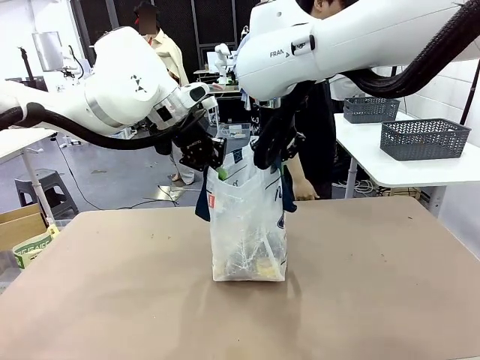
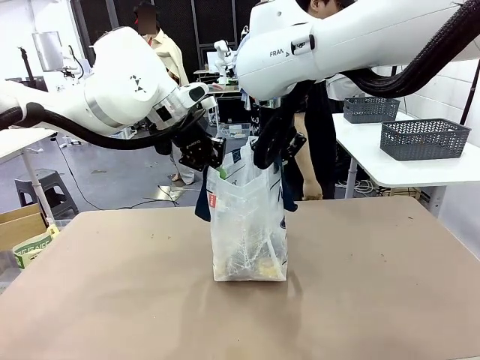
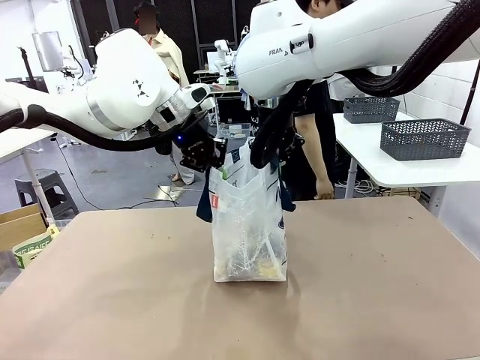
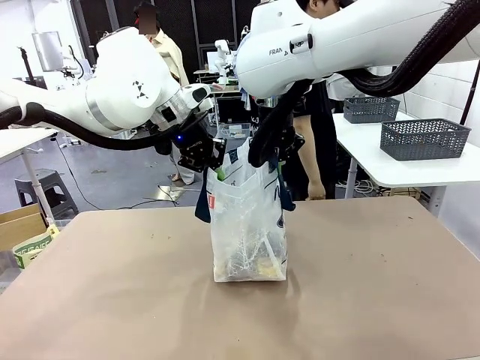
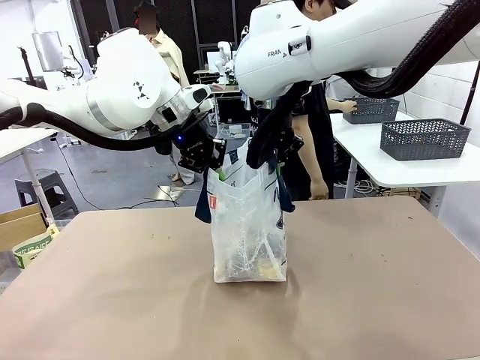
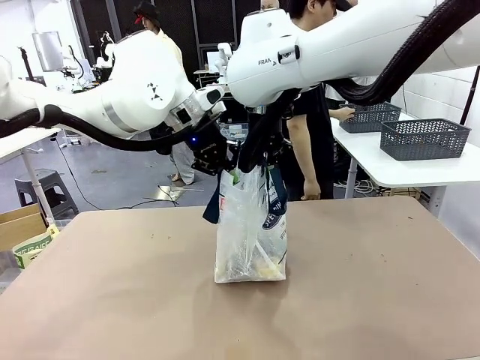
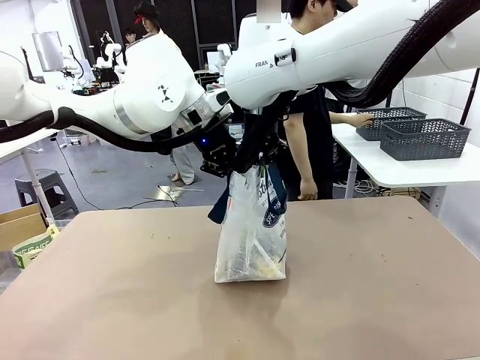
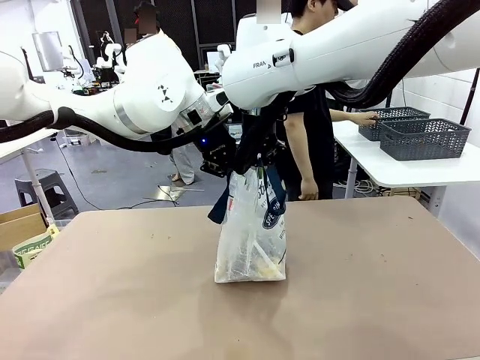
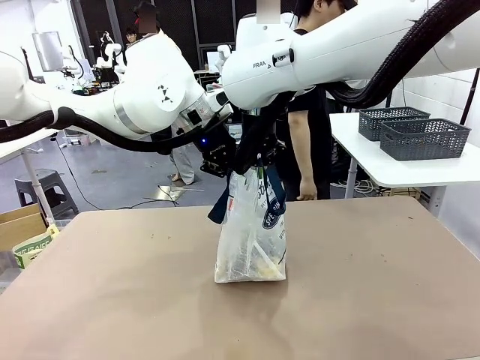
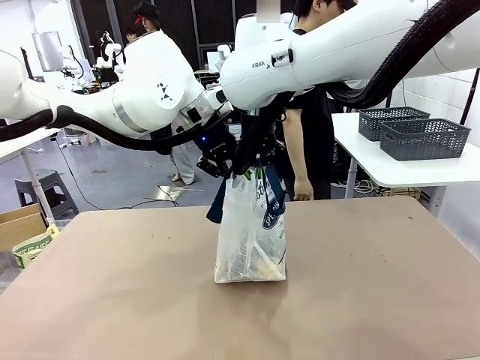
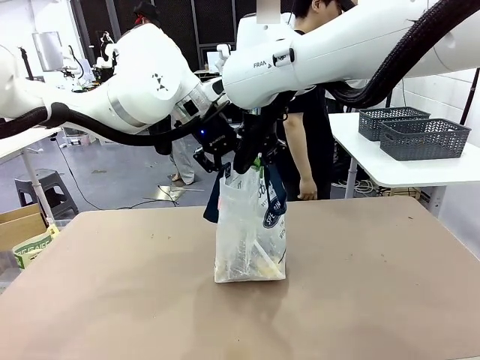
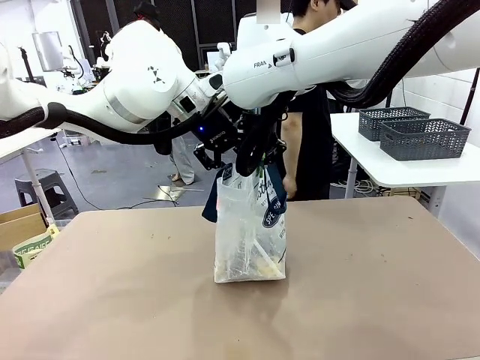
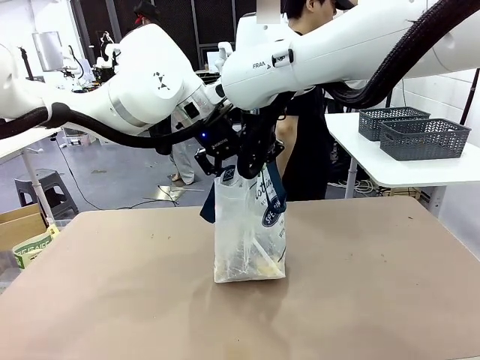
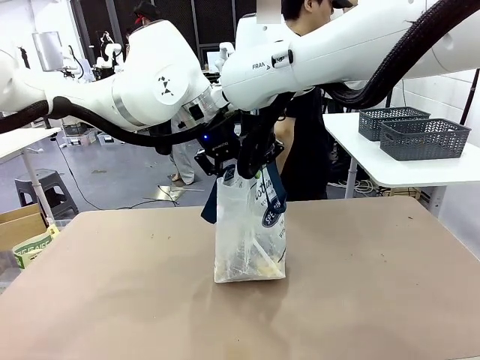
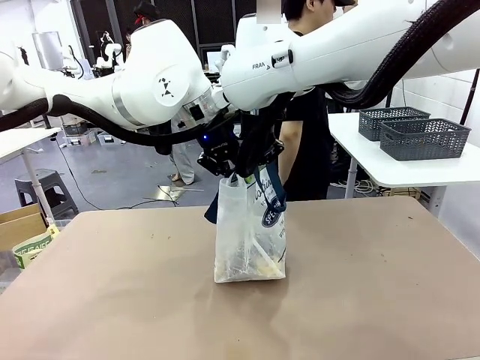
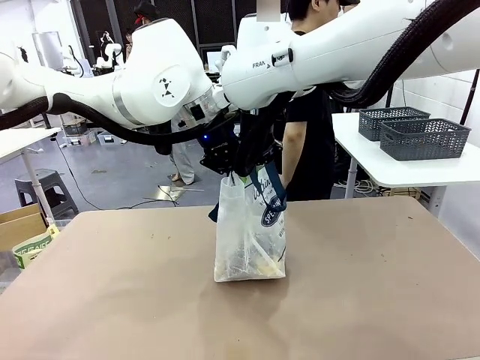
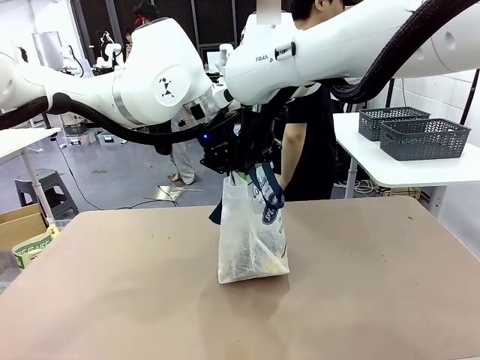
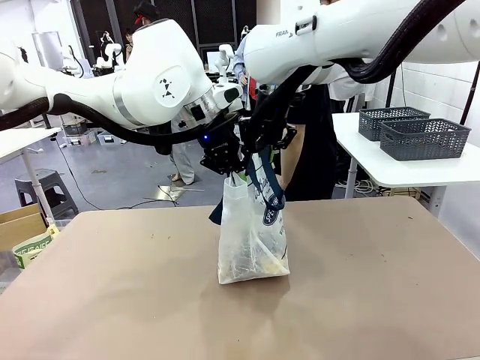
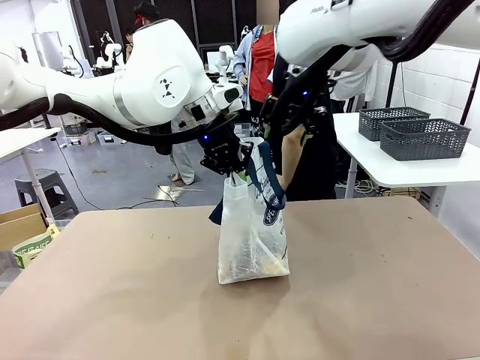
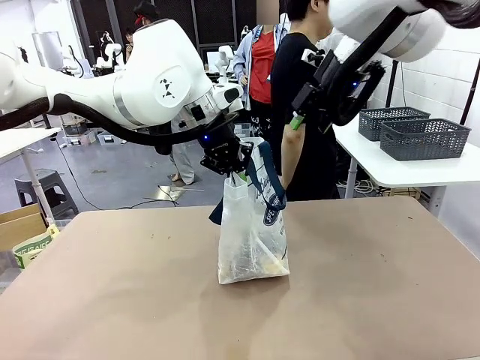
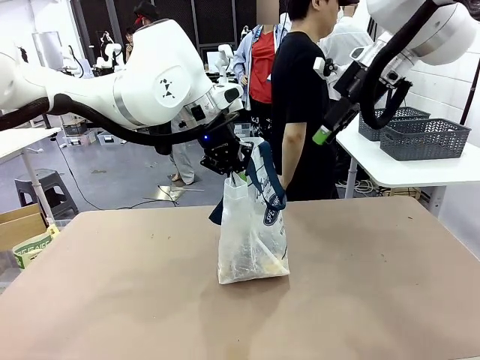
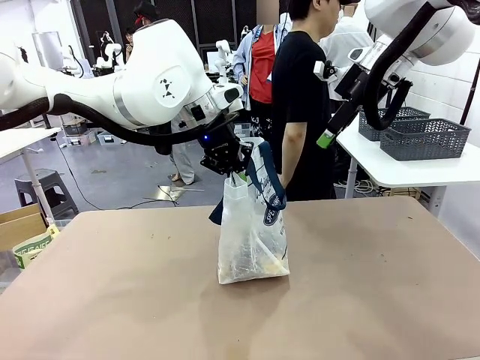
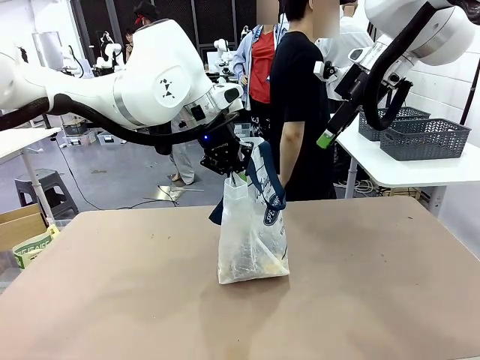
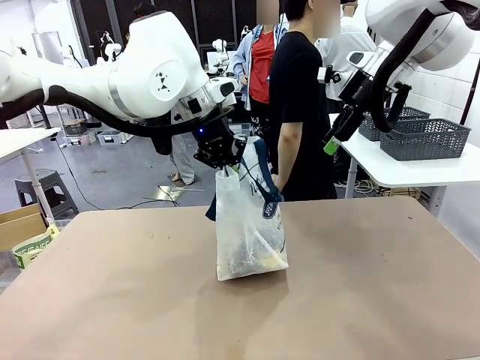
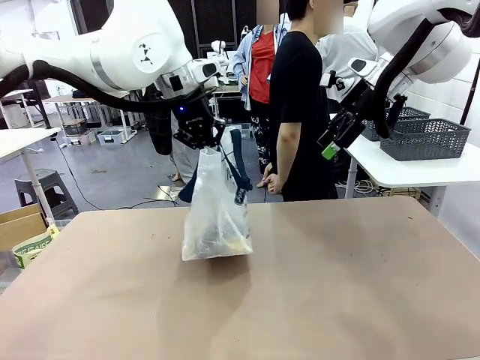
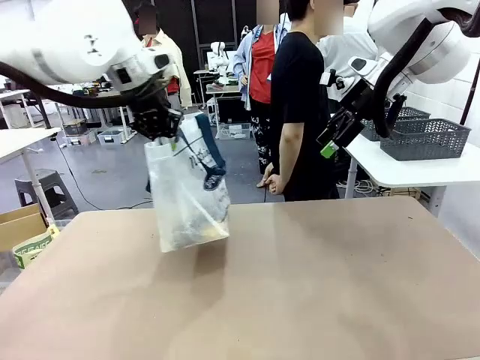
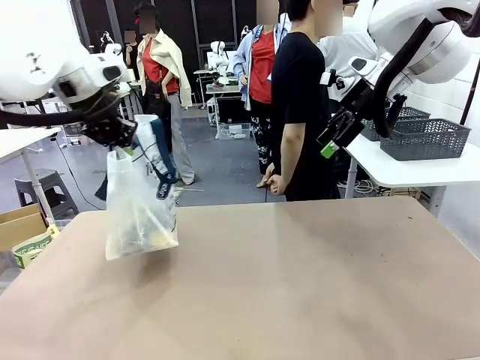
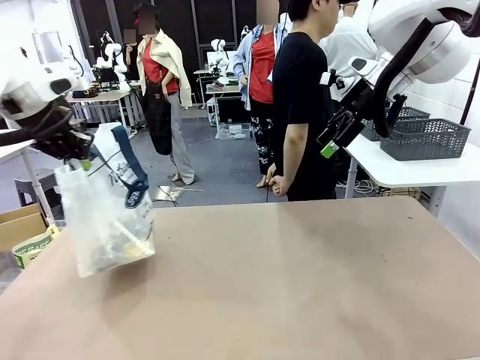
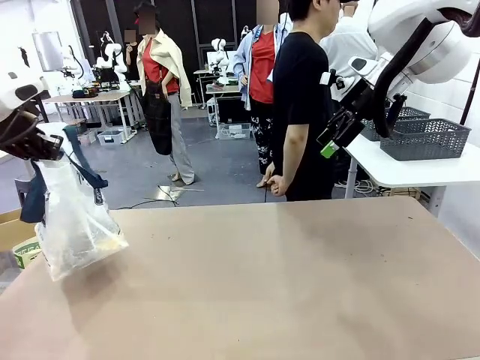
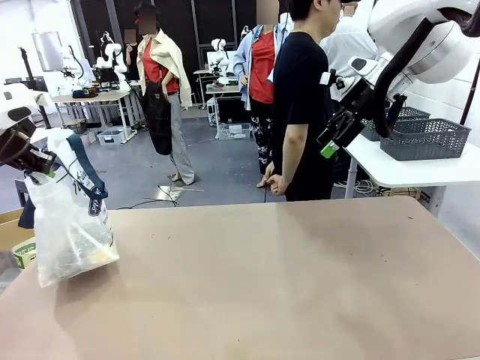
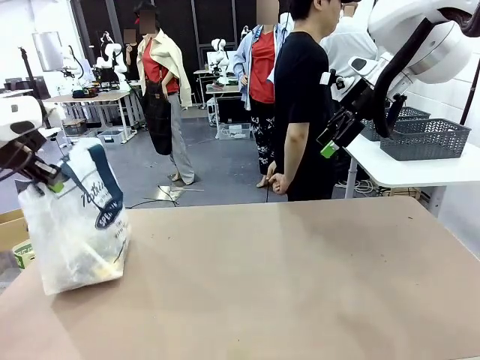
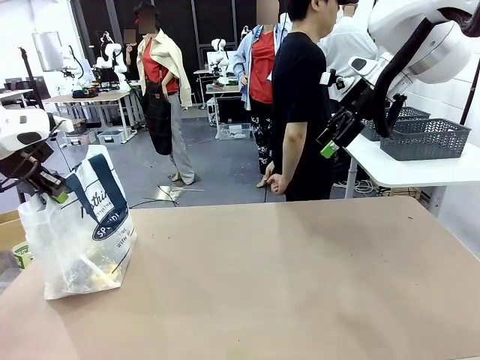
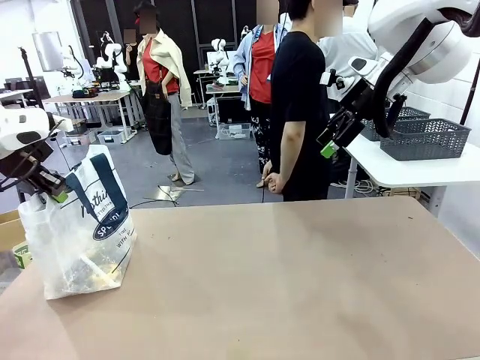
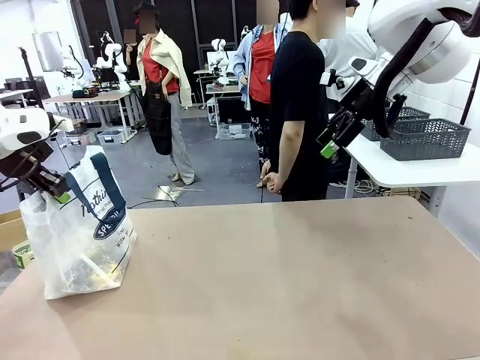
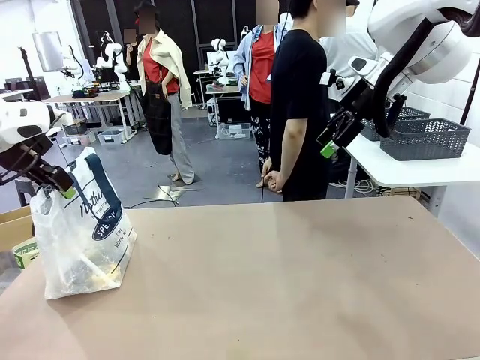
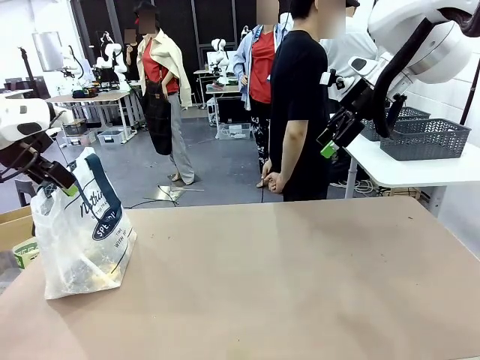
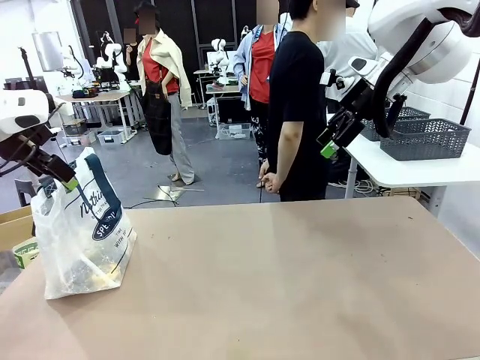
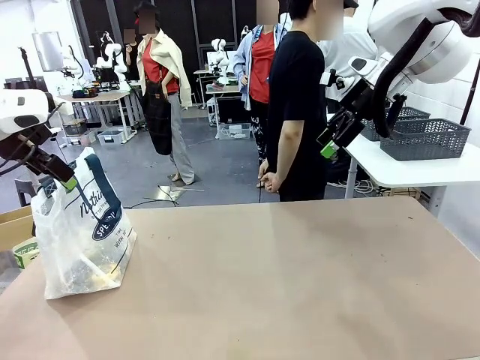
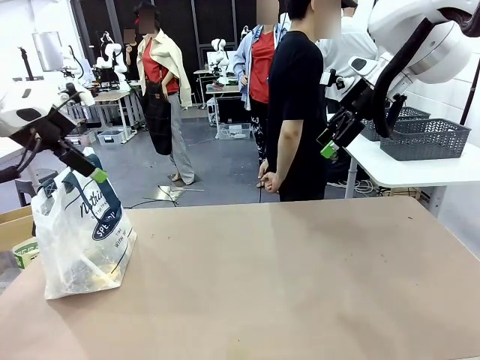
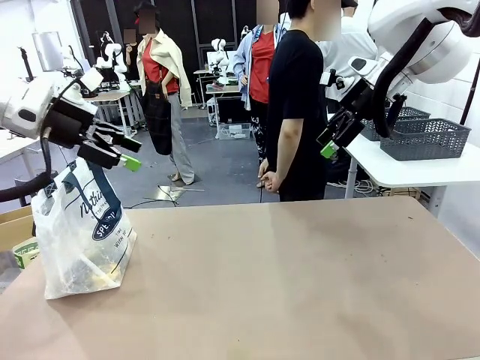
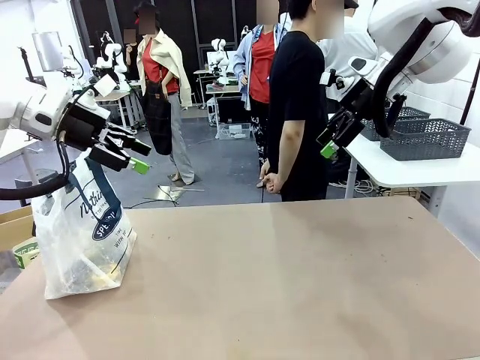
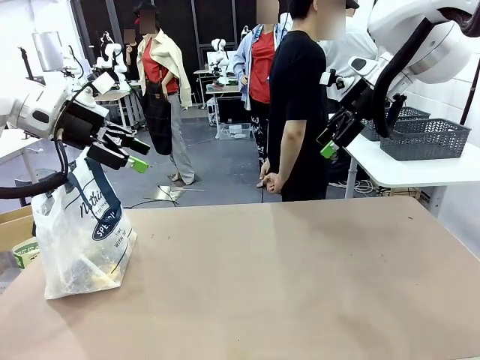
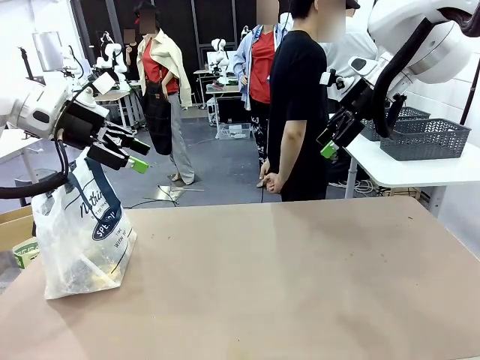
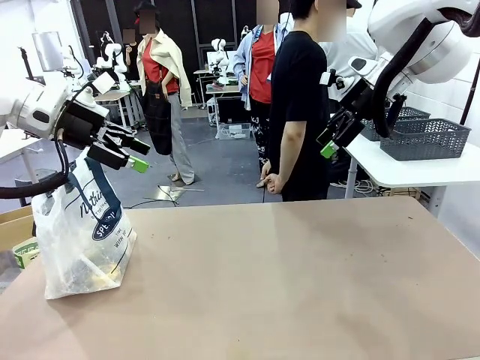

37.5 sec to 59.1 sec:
Task: Transfer purchased items from the store into the shopping bag.
Robot: Move the Reusable shopping bag to the right side of the table.
Person: Move the basket on the left to the middle of the person's table.

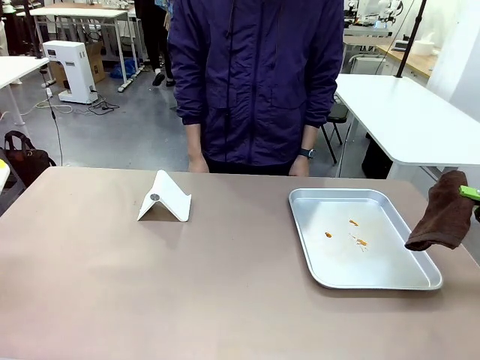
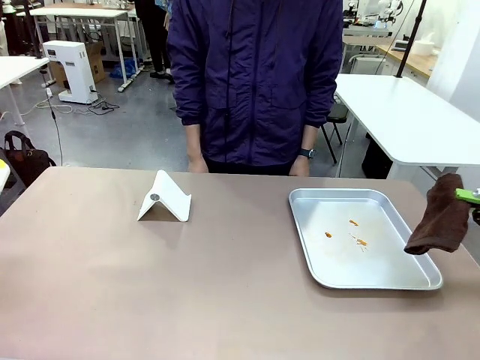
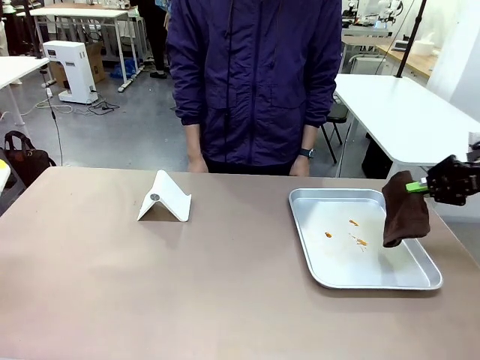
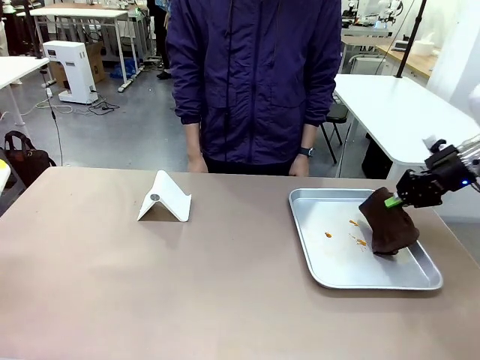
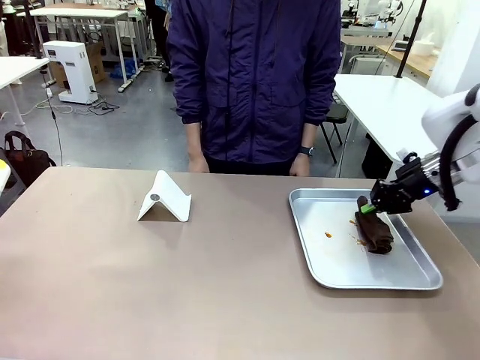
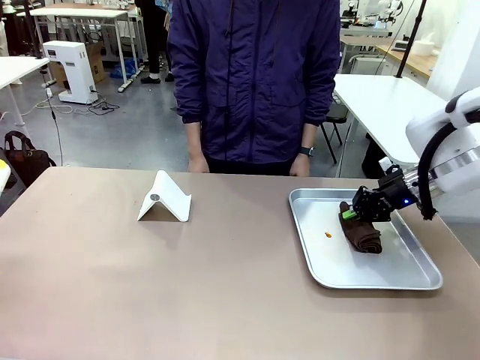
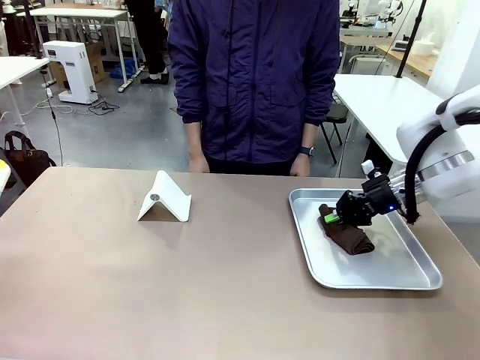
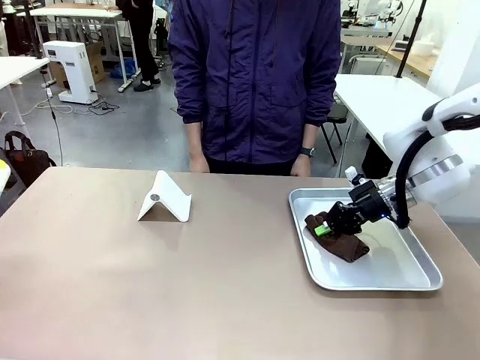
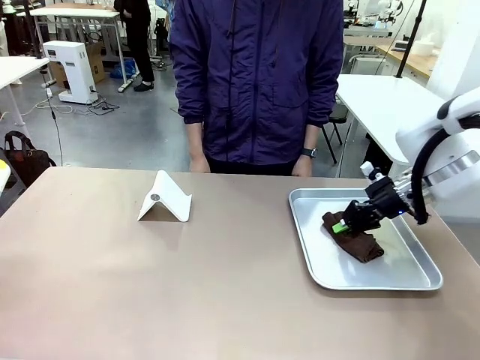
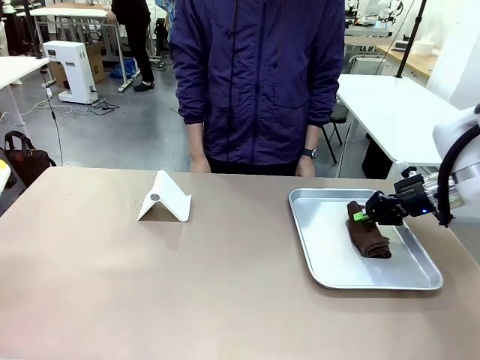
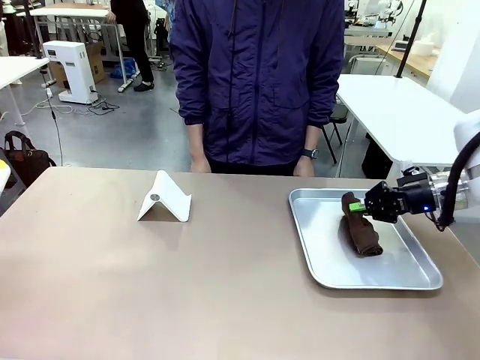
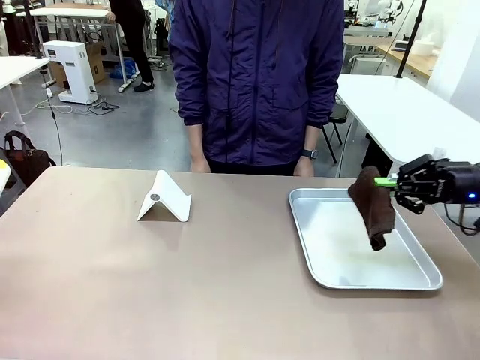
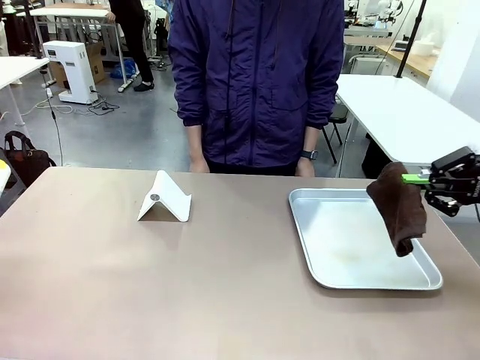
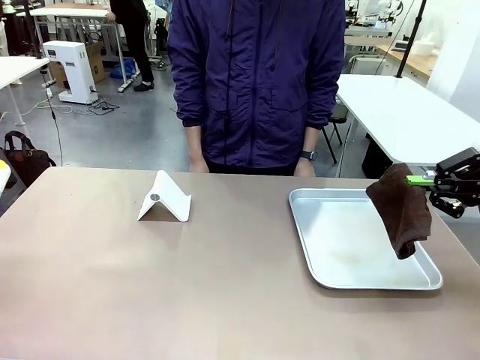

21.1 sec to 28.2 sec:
Task: Clean the surface of the table.
Robot: Clean the area not pointed to by the person.
